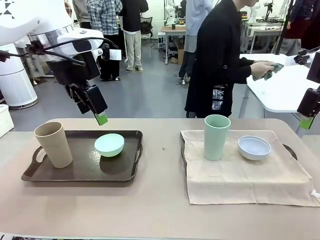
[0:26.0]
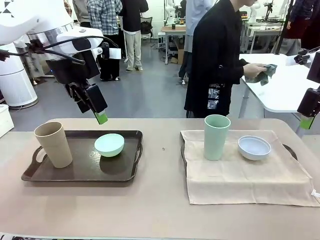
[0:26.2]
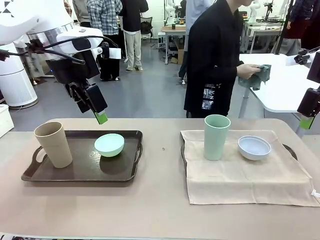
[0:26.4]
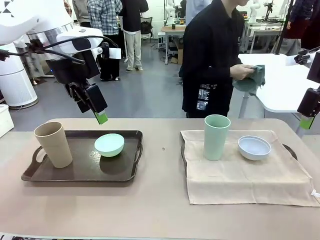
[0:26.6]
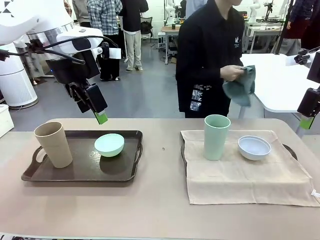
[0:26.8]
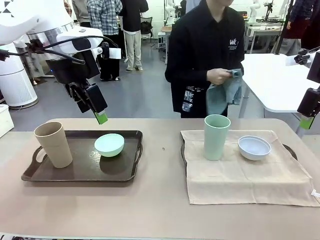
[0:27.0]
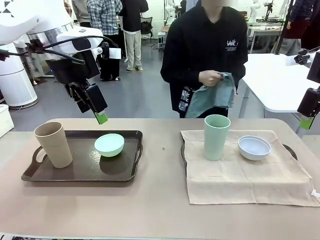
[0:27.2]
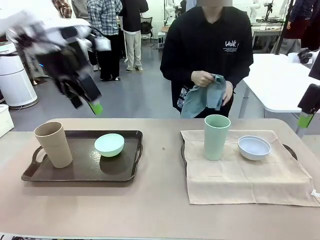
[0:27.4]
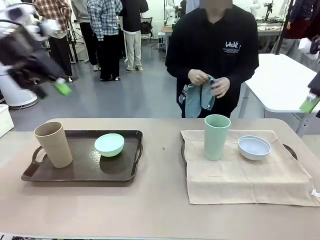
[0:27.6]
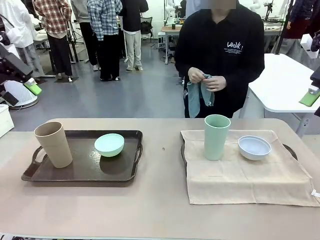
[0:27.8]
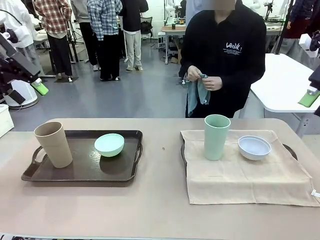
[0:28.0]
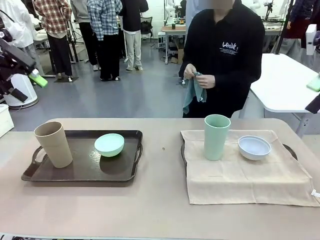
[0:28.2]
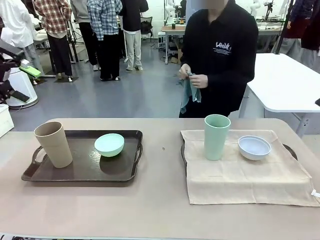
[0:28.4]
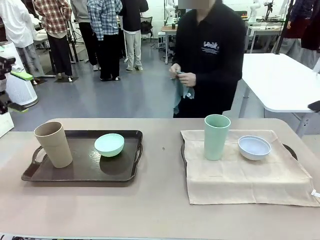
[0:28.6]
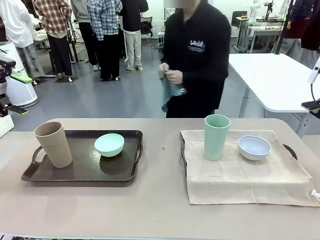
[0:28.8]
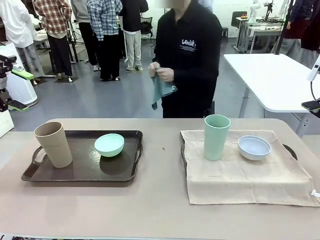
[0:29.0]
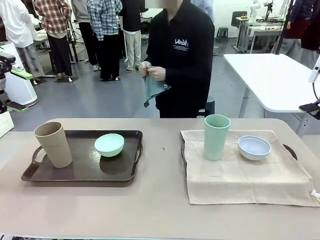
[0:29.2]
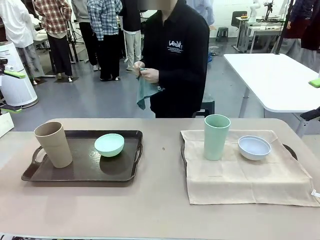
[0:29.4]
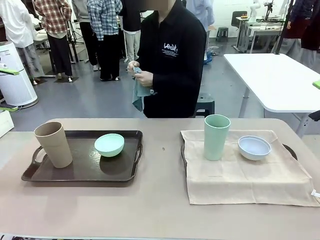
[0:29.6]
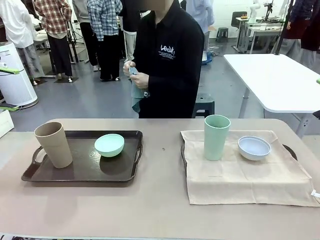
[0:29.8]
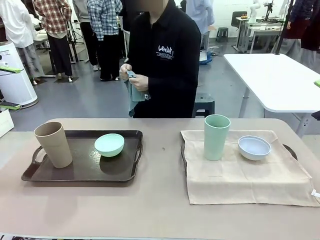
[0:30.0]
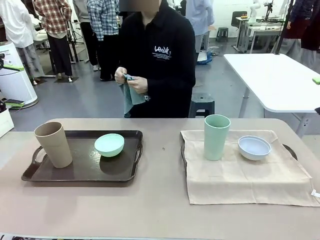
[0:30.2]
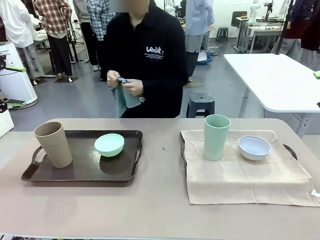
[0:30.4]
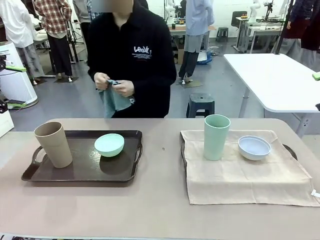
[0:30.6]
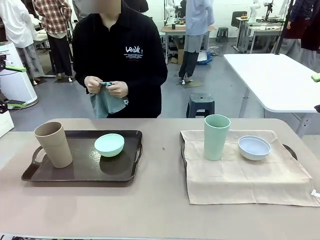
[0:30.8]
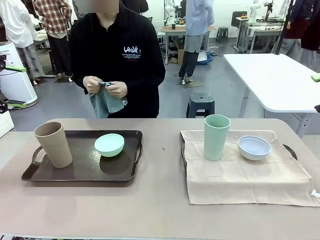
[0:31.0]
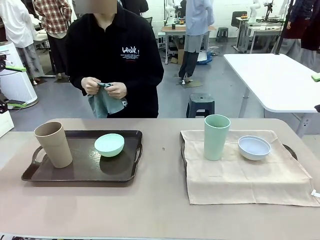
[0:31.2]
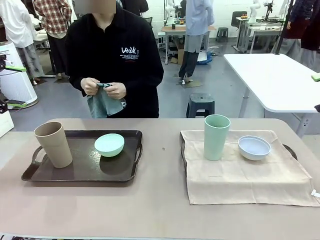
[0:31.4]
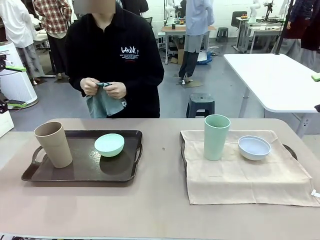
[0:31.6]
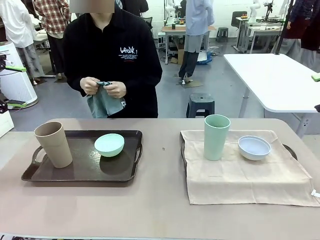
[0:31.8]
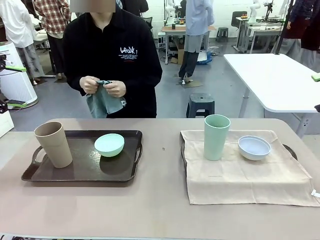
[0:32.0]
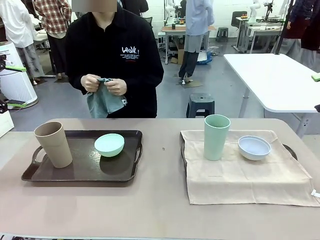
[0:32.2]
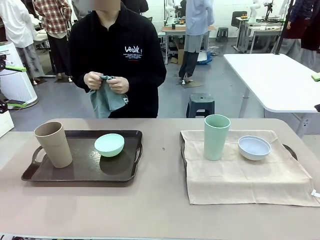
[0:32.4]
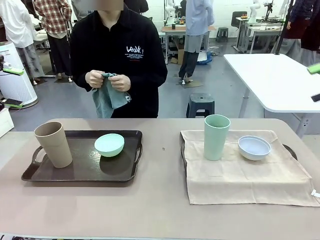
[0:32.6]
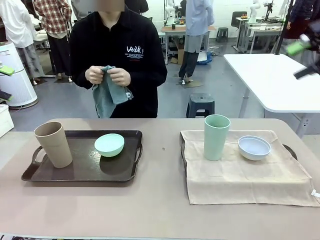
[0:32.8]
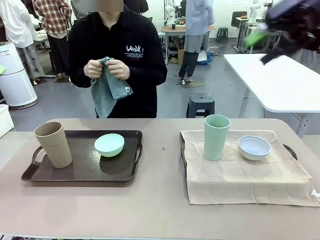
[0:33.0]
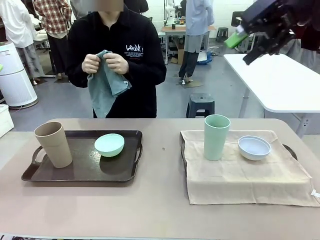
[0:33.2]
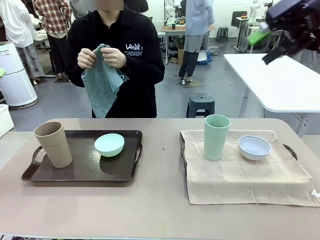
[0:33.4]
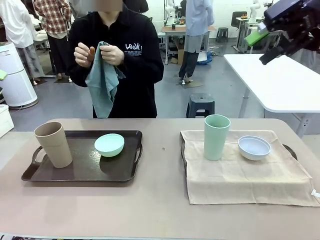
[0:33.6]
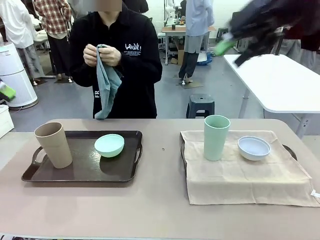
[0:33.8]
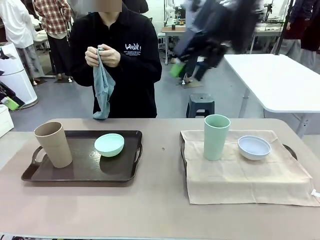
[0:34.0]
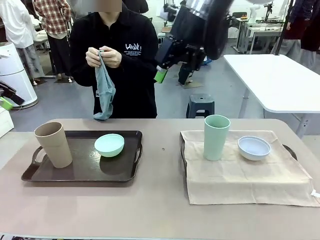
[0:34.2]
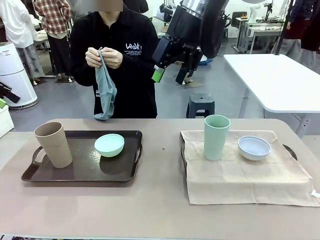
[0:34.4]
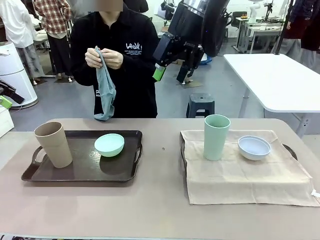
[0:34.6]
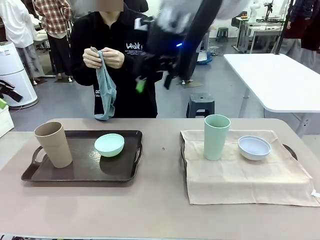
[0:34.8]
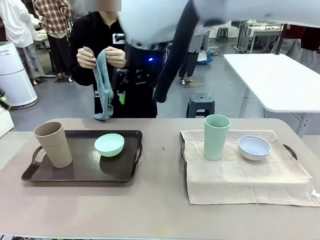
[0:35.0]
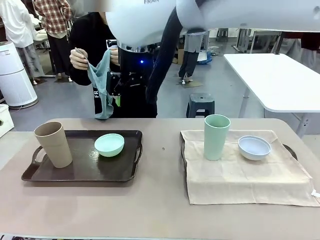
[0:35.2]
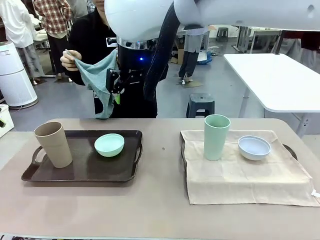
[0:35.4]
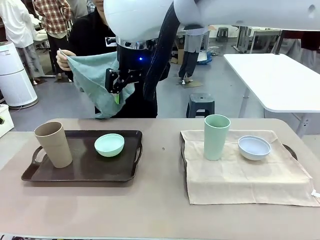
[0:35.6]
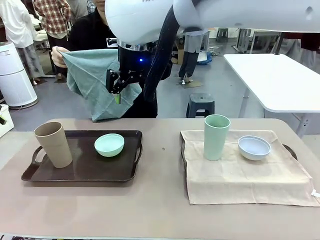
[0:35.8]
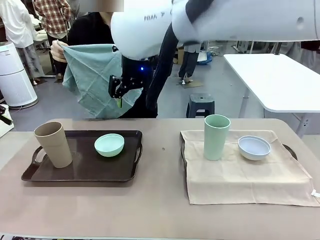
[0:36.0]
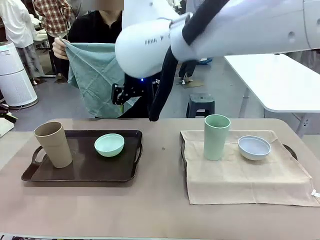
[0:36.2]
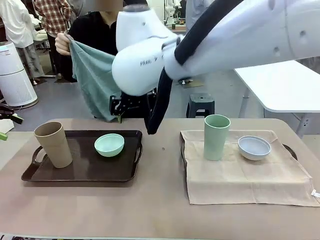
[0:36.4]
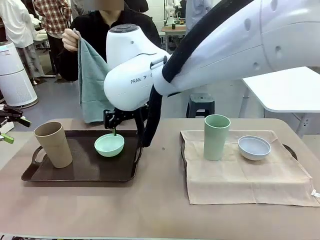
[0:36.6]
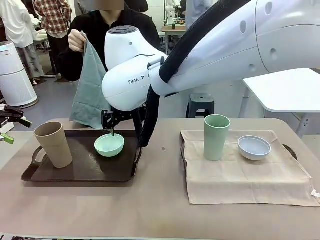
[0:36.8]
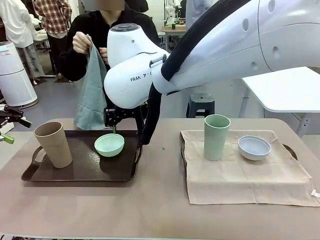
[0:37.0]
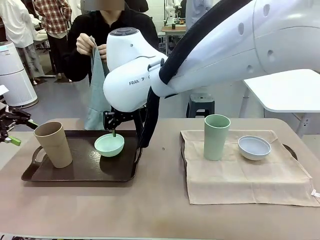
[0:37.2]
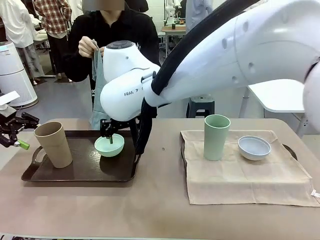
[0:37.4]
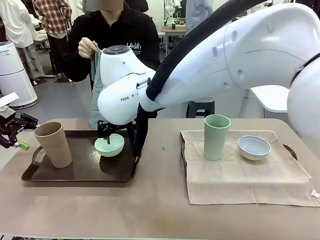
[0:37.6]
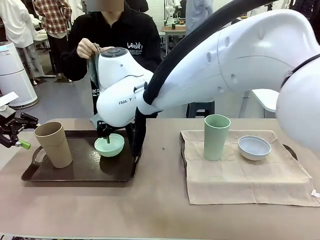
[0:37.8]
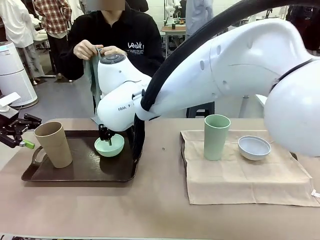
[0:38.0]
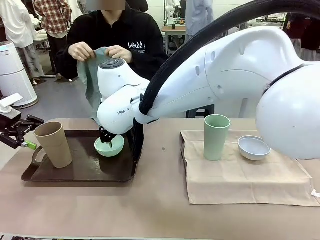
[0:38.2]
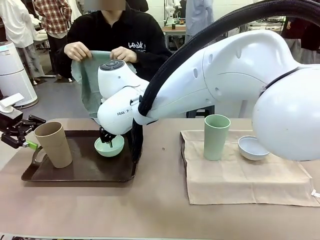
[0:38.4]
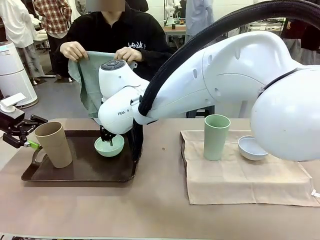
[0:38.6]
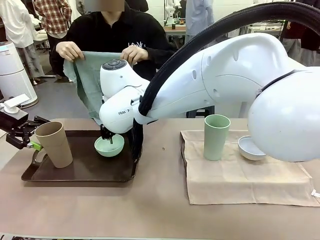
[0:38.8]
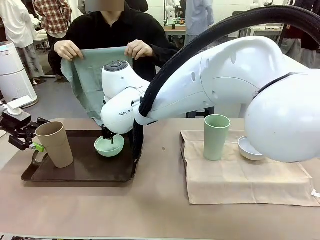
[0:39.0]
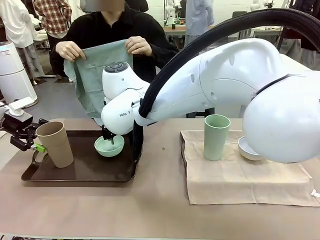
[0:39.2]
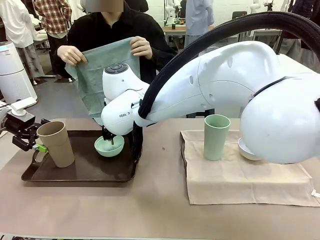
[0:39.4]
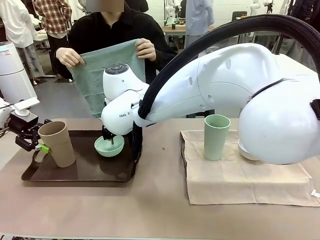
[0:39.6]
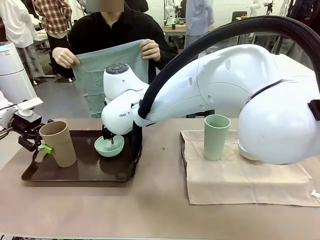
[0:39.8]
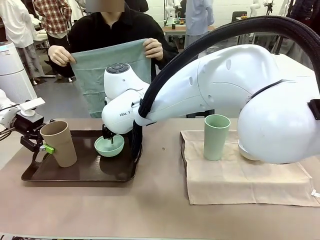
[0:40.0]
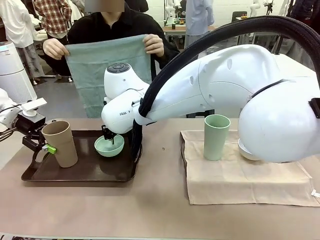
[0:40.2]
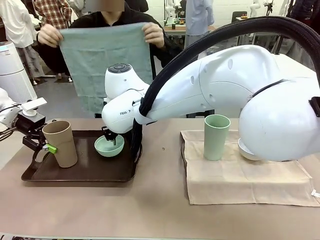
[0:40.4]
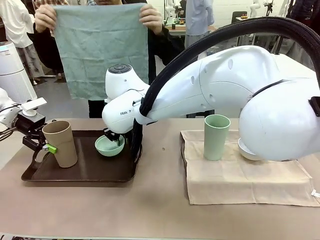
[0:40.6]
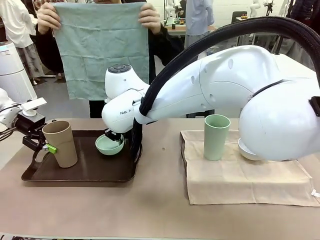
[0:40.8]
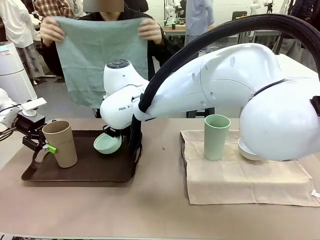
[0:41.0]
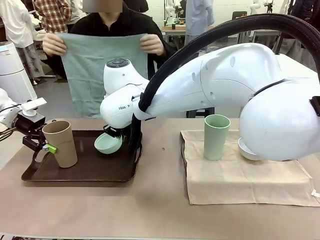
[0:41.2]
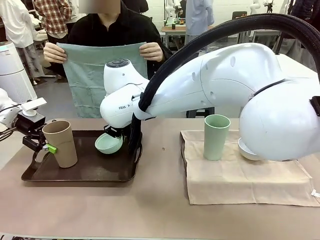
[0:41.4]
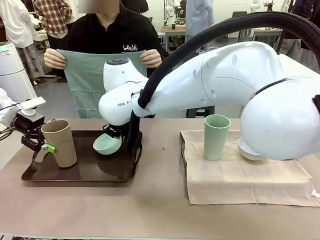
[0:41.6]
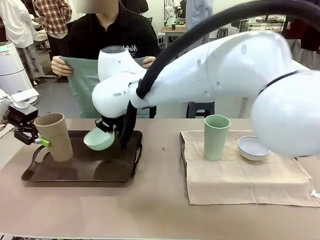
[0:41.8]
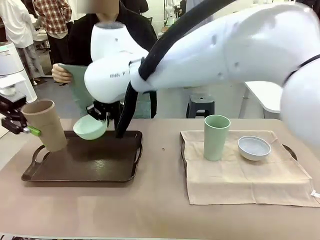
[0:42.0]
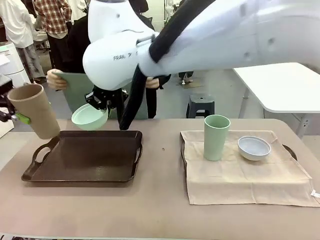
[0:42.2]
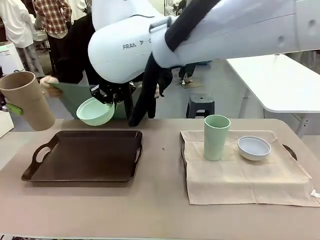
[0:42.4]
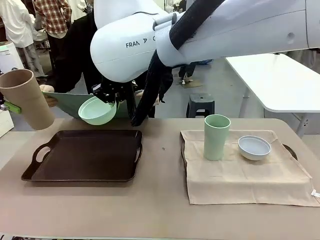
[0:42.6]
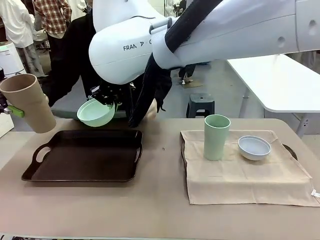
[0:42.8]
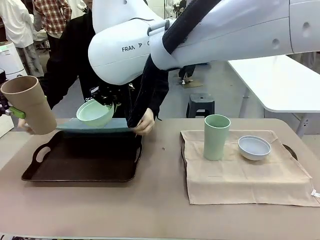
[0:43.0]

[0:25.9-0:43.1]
Robot: Pick up the Picnic Bowl and Reusable plastic cup from the Handle tray in front of the human's position and hold them in the air.

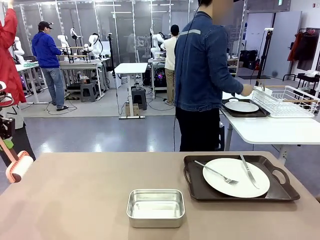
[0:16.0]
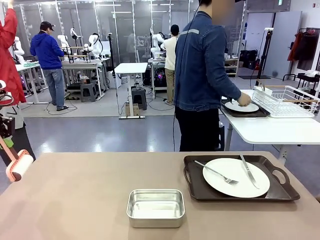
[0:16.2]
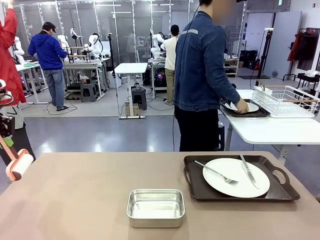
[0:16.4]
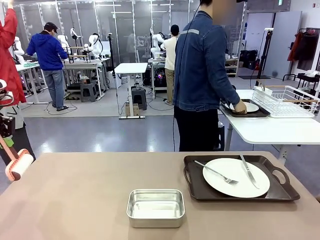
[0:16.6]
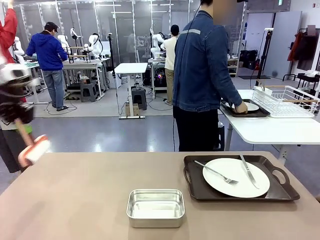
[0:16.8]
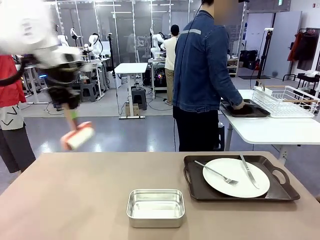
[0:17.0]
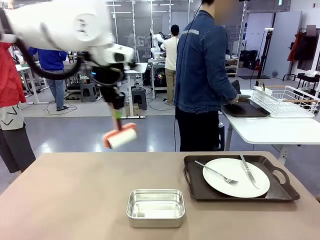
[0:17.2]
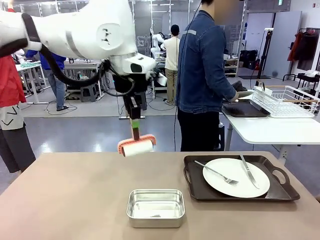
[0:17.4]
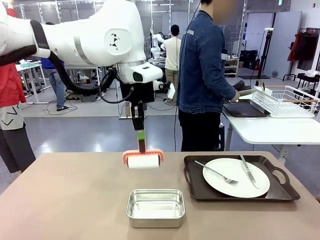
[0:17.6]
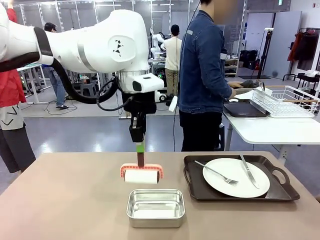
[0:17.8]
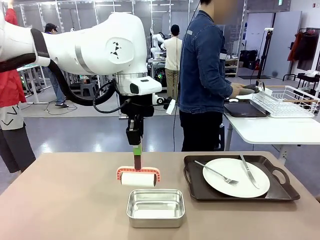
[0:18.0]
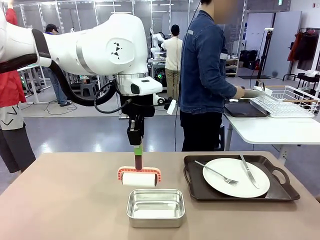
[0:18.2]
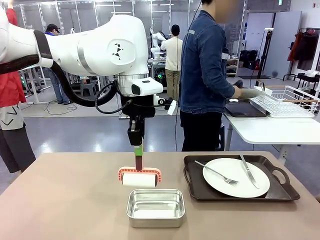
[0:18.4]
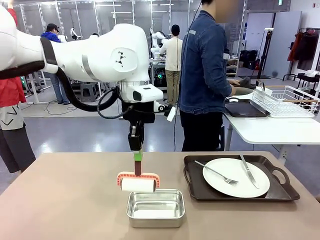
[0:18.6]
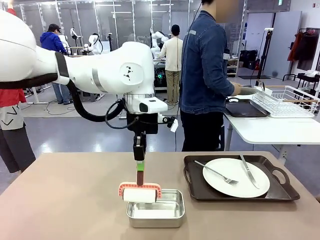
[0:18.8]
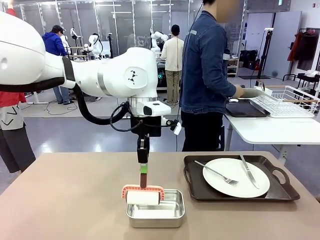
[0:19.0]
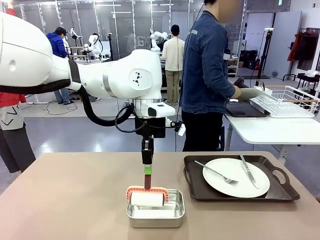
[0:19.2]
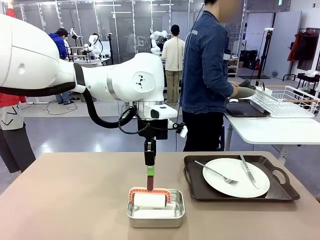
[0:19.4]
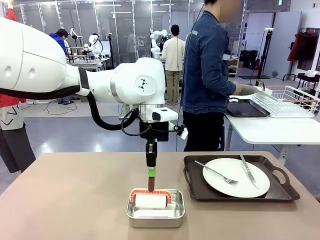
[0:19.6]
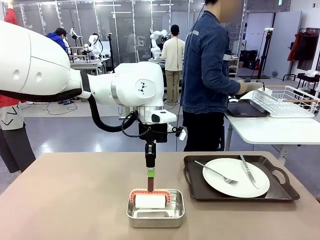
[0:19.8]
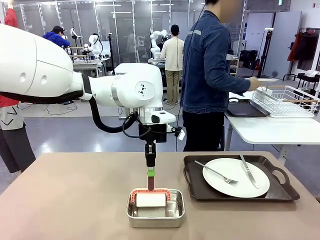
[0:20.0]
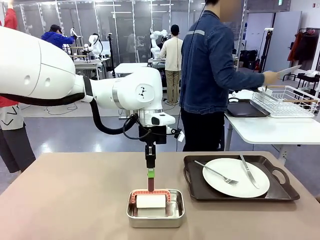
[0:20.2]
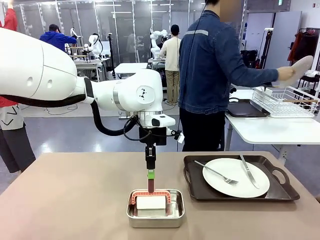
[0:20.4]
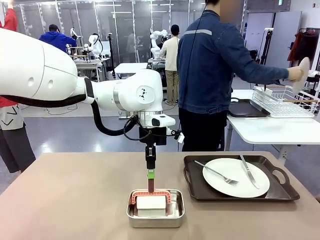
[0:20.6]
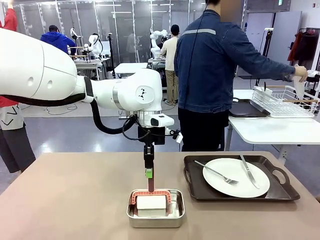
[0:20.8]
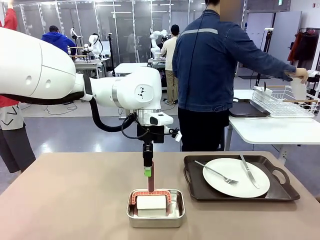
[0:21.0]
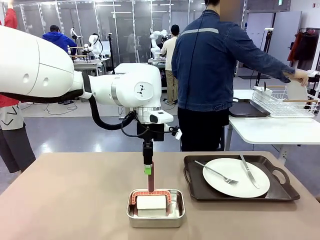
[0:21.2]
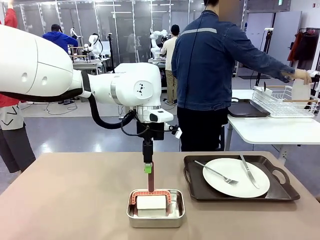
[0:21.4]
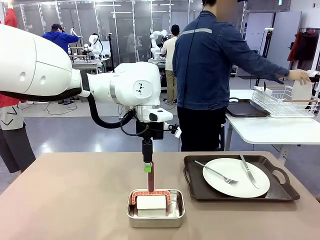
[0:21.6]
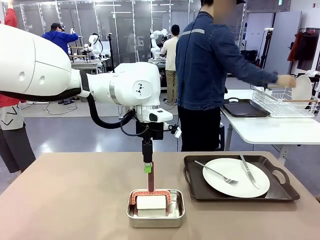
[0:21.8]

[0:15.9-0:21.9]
Robot: Place the Lint Roller back on top of the Airtight Container.
